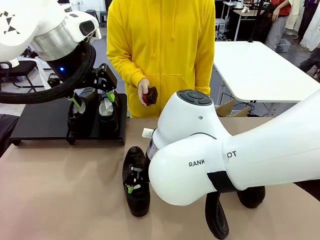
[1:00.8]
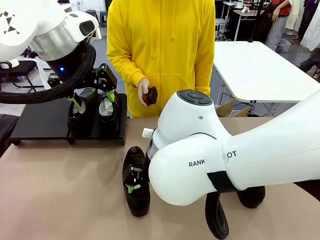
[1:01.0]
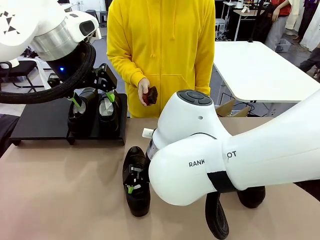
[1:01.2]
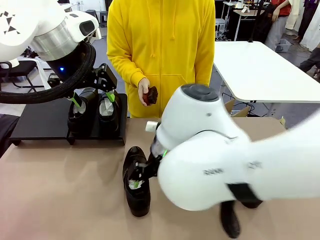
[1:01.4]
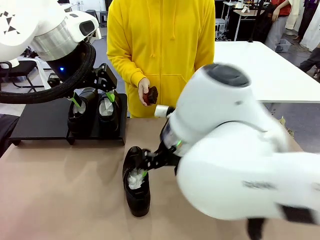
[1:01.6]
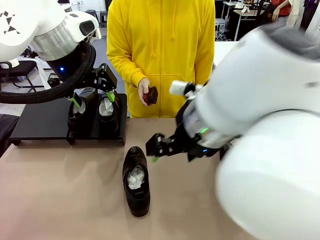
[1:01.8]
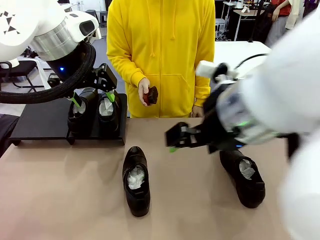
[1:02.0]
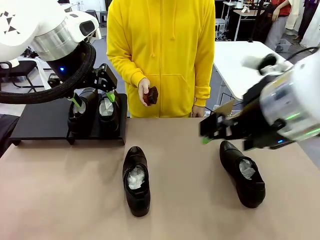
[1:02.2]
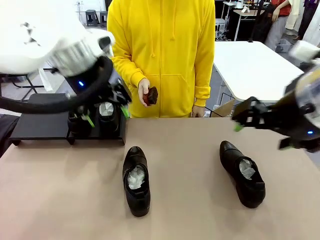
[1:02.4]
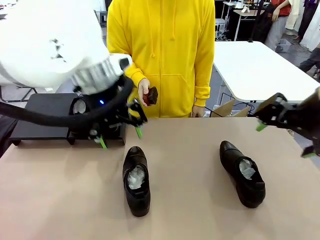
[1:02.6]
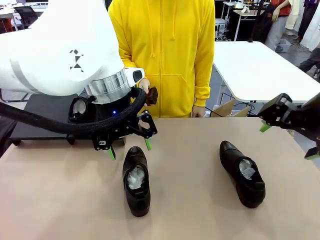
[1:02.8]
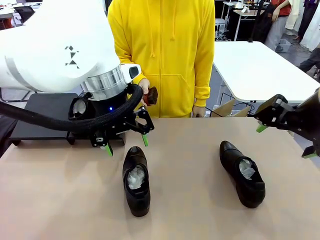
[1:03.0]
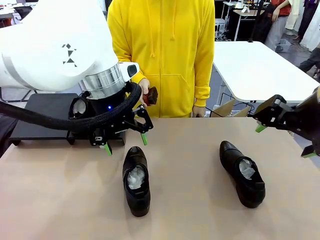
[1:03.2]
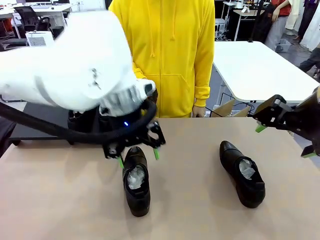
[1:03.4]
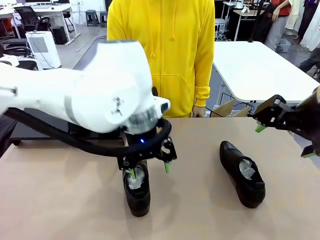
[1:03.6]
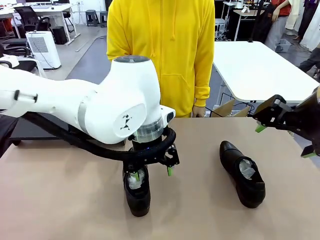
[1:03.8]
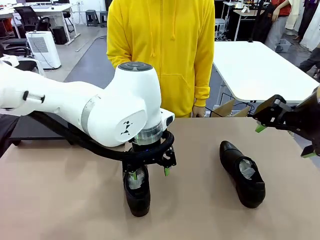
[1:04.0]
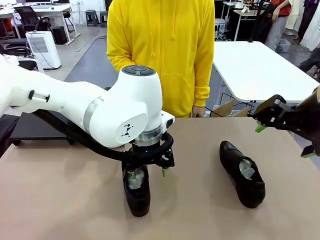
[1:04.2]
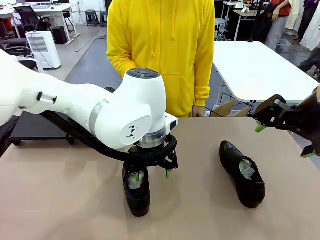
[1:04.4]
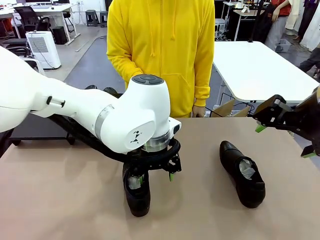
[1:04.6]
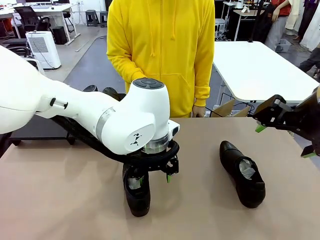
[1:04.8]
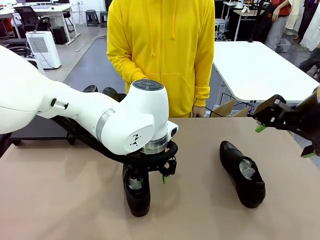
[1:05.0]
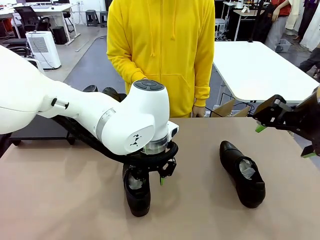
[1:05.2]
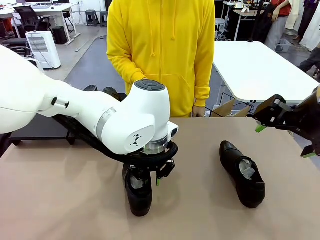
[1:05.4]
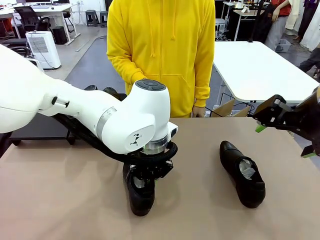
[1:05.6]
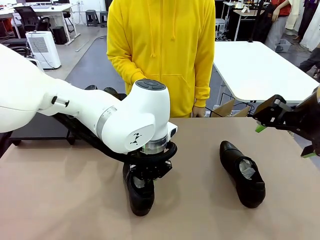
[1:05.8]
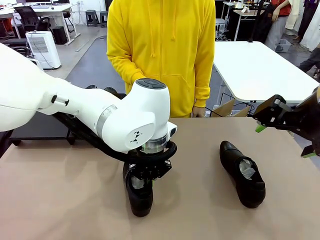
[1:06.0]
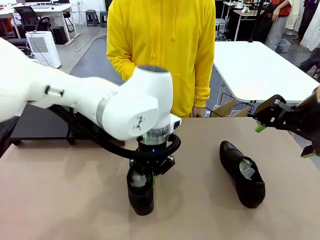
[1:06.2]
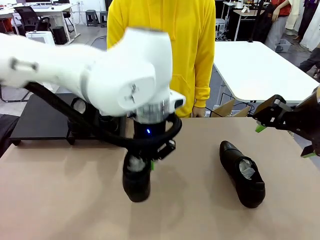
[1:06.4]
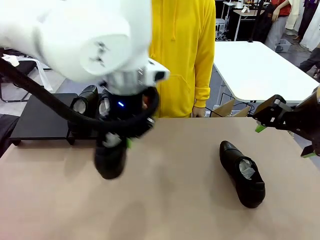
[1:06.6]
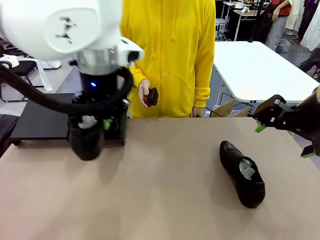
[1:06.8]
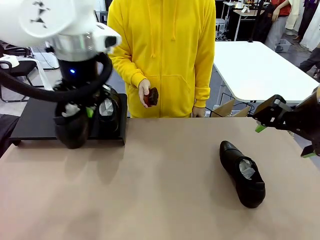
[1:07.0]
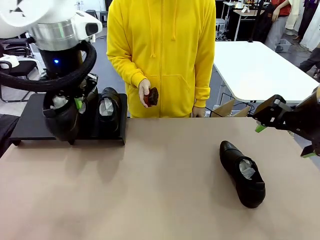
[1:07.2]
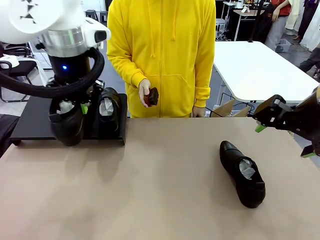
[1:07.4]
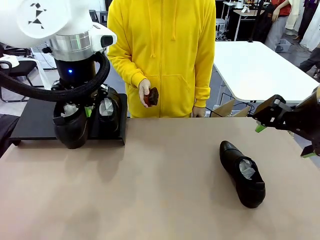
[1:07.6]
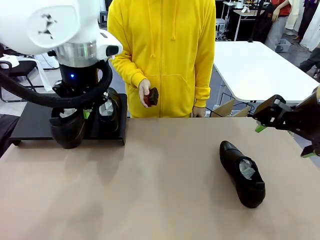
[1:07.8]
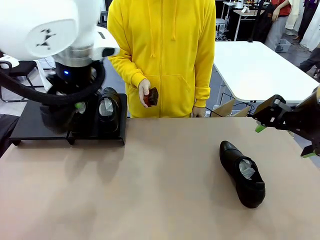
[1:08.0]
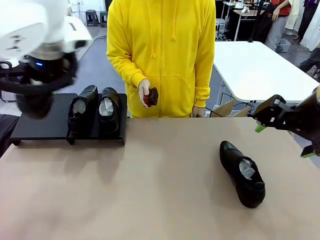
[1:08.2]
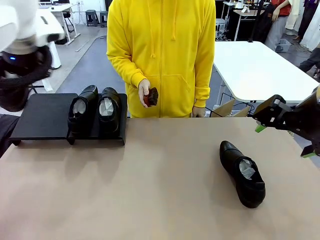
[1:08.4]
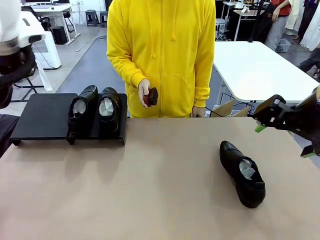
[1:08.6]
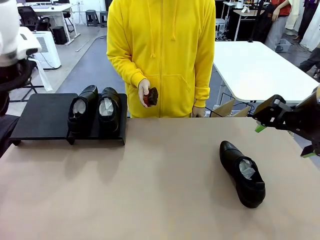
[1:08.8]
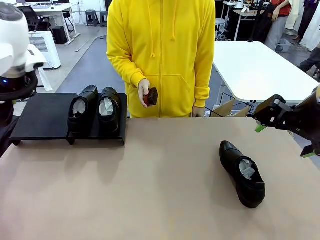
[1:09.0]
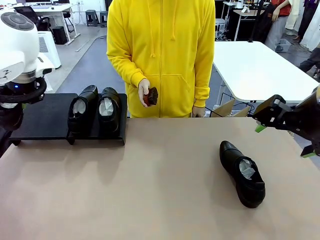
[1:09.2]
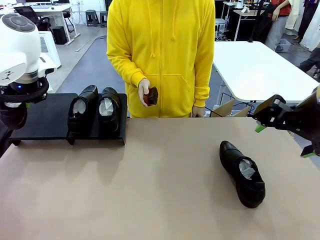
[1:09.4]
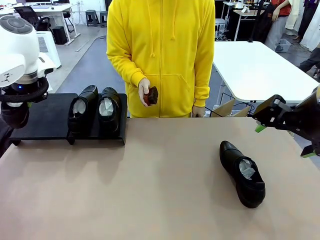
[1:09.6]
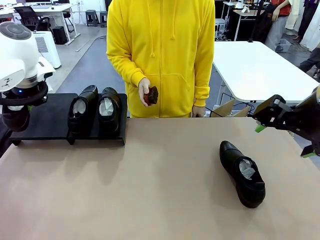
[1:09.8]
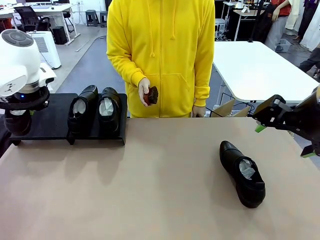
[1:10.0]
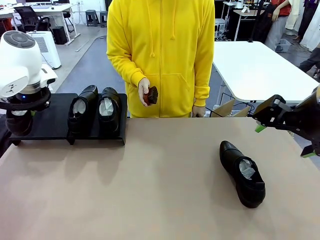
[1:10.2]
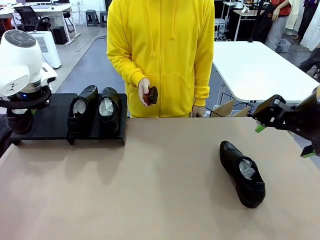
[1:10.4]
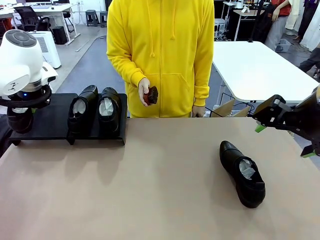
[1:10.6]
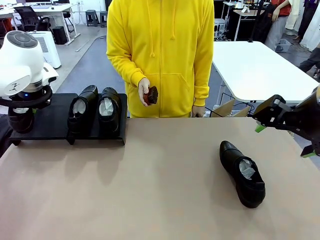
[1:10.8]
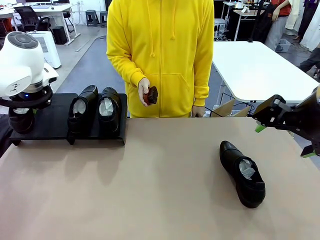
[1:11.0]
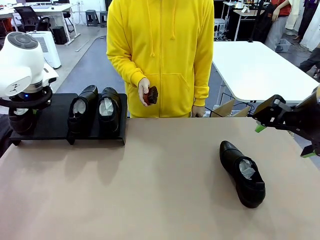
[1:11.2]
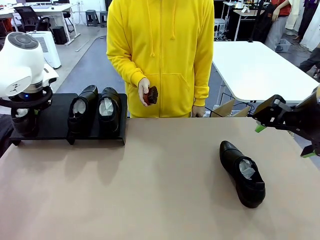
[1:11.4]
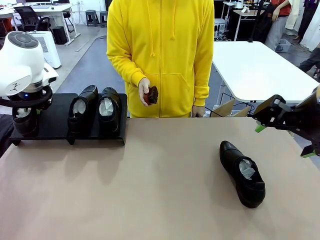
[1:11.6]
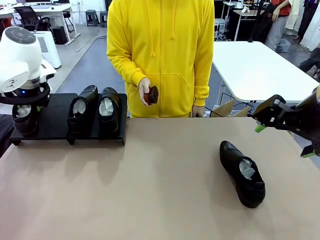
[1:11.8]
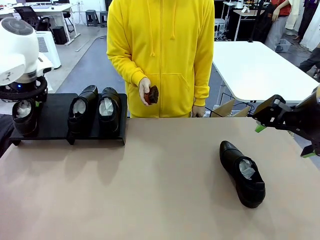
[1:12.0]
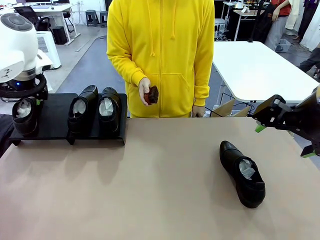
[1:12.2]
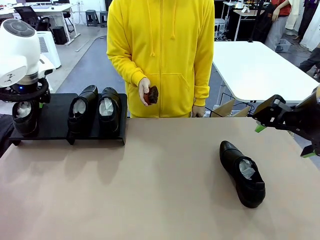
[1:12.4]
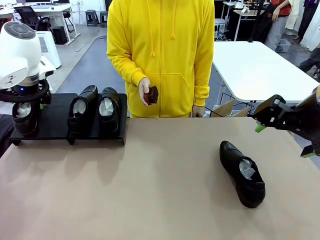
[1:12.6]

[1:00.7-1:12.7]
Task: Organize the shoes by placing them on the stand.
Robot: Place the Shoe from the middle of the table onto the Shoes Stand.

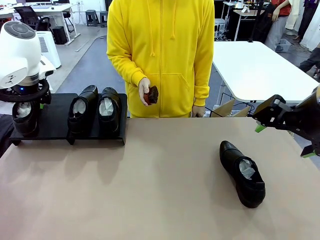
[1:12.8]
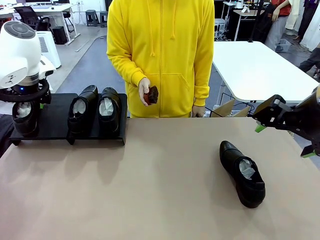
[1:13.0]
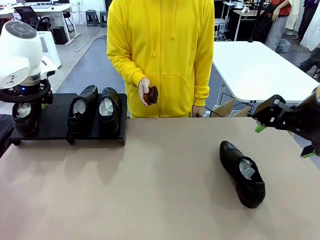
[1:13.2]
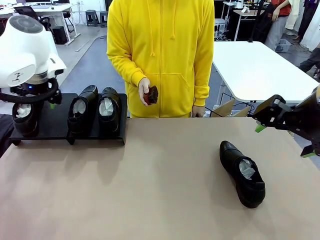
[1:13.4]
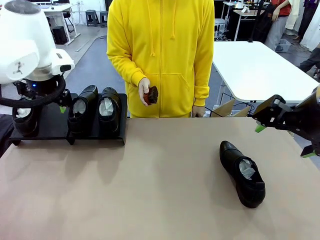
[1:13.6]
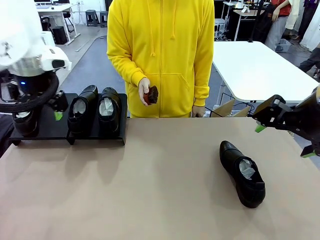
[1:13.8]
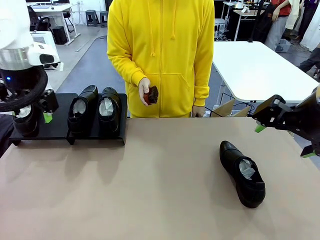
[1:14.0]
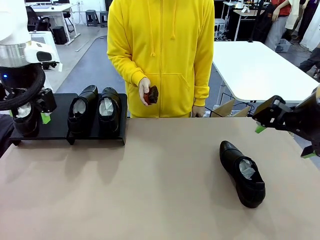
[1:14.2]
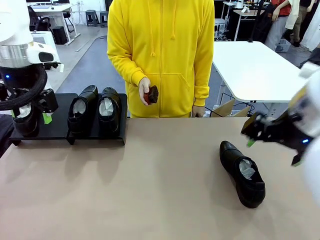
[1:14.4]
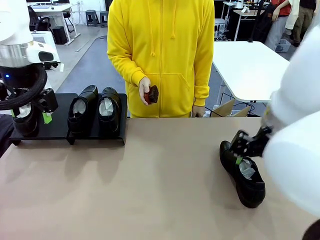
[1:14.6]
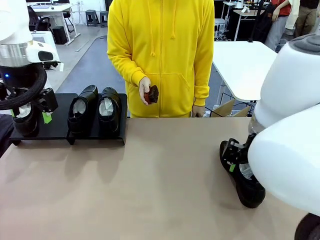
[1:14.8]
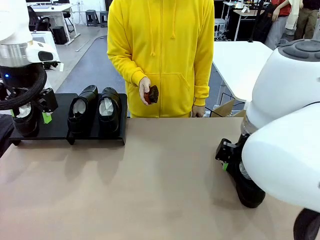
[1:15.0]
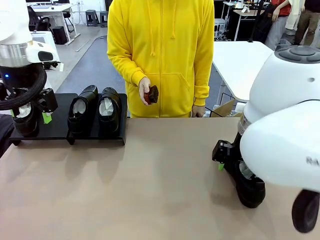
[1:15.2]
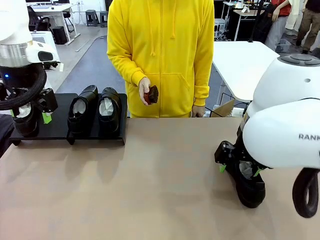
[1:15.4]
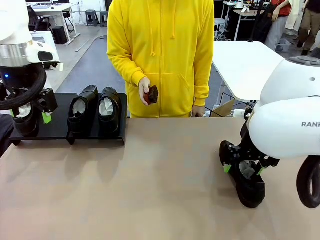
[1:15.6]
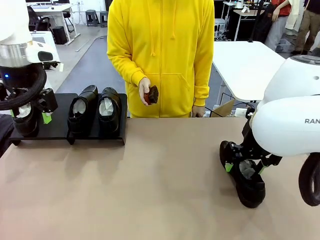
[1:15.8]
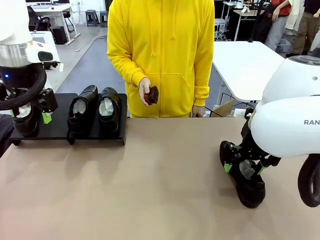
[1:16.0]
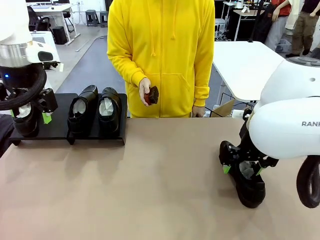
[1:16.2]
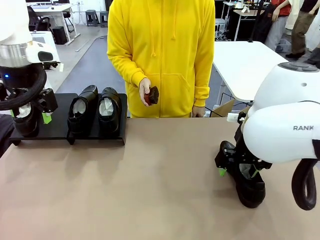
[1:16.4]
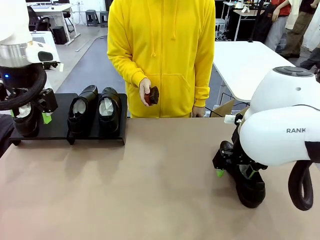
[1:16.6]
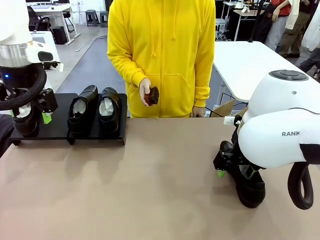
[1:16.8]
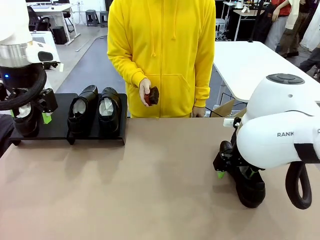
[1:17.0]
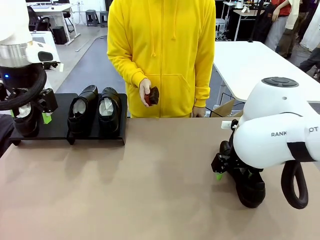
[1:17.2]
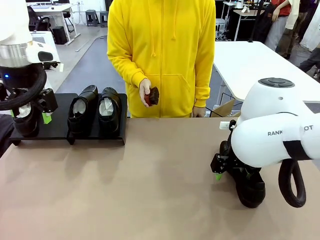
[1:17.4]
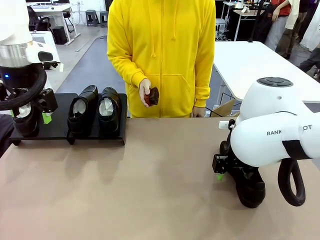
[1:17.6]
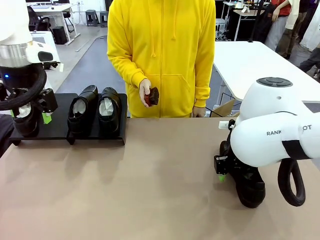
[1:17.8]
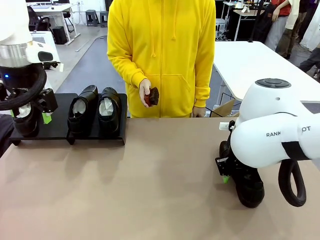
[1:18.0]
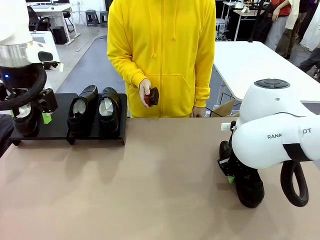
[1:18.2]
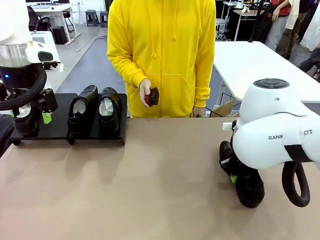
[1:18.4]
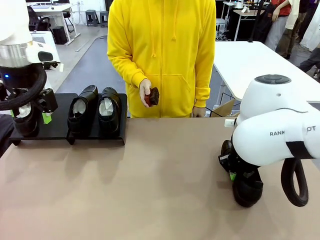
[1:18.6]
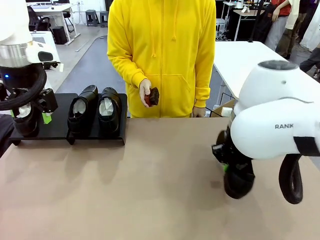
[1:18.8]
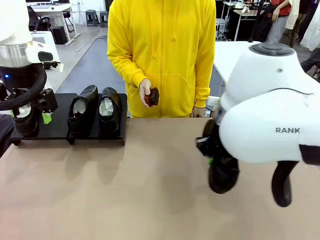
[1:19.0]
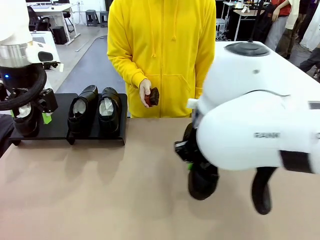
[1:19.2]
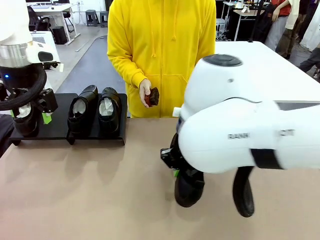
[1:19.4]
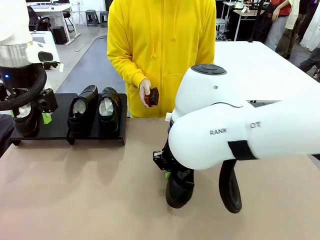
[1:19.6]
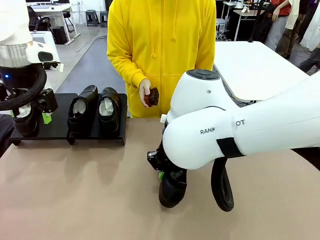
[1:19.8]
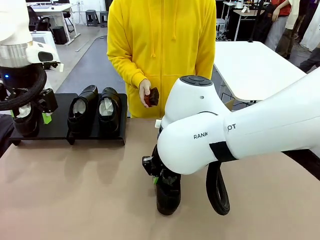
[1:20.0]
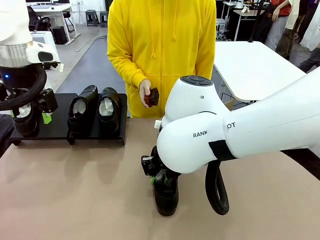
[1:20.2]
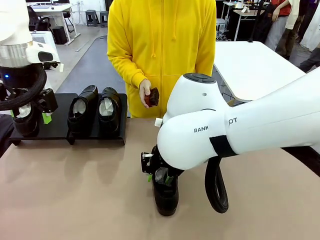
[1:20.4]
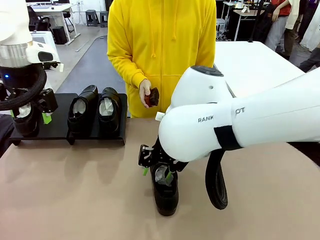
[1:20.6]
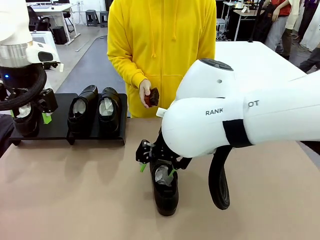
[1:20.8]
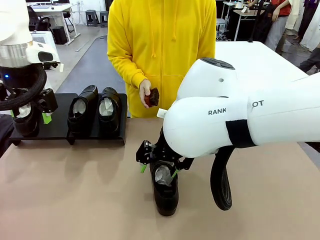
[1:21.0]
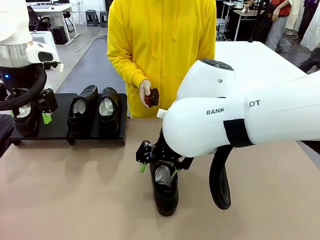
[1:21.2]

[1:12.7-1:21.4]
Robot: Pick up one Shoe and place it in the middle of the table.
